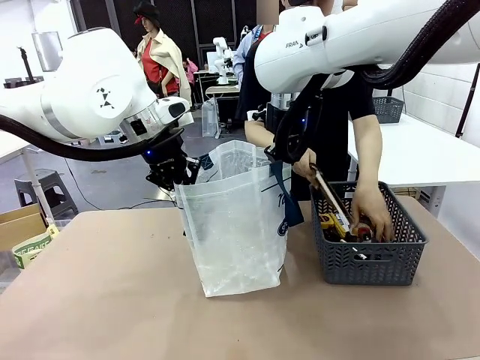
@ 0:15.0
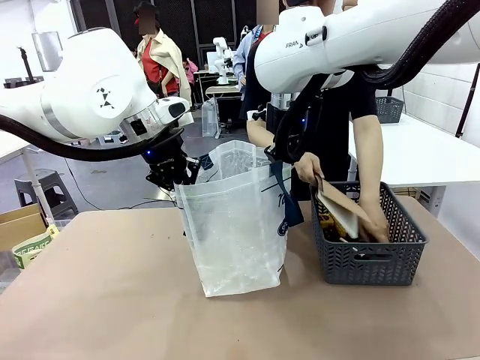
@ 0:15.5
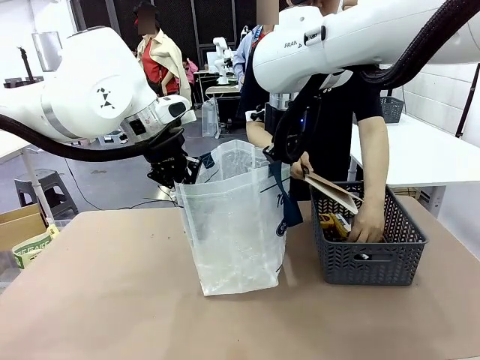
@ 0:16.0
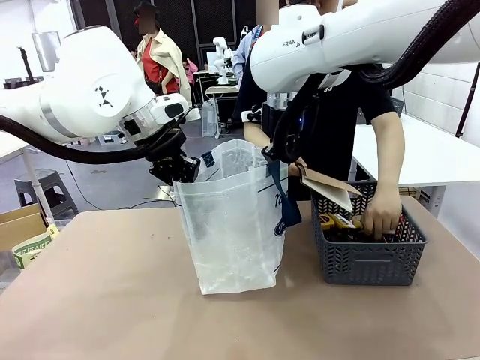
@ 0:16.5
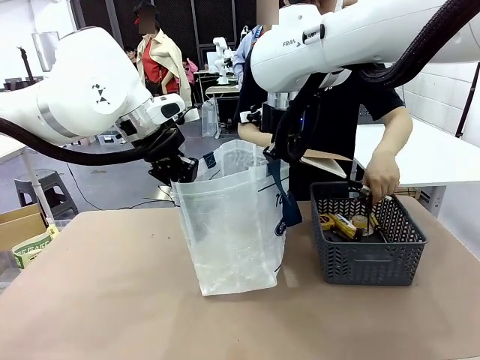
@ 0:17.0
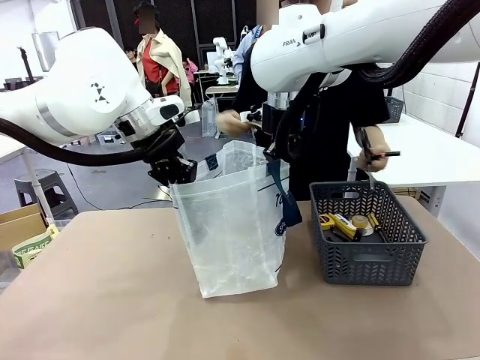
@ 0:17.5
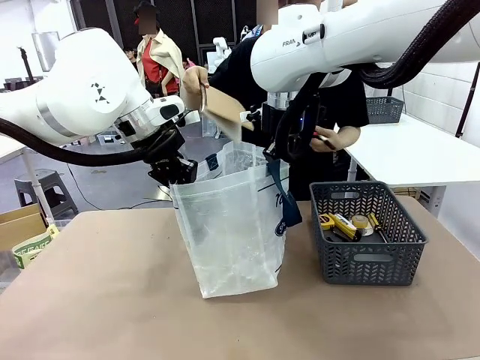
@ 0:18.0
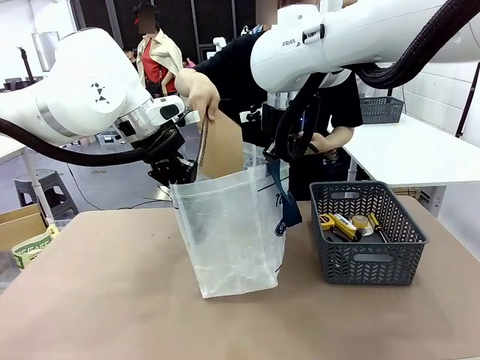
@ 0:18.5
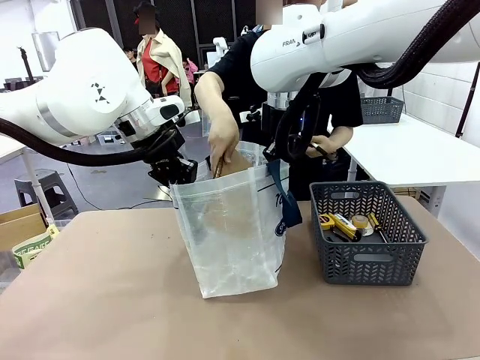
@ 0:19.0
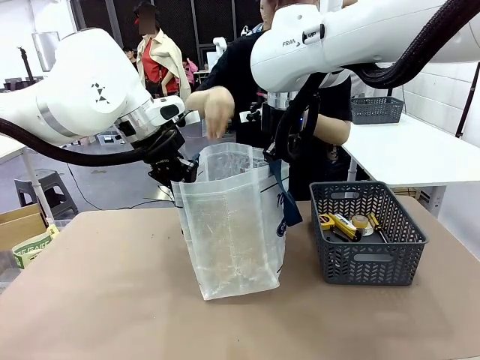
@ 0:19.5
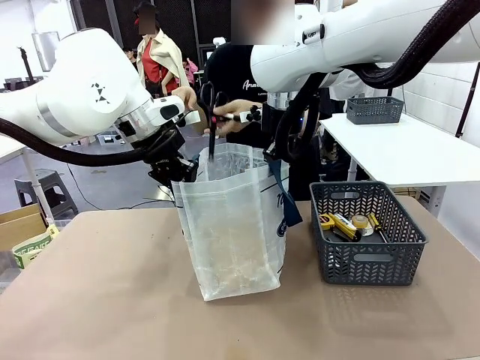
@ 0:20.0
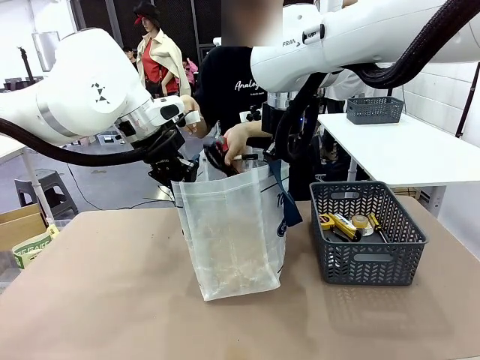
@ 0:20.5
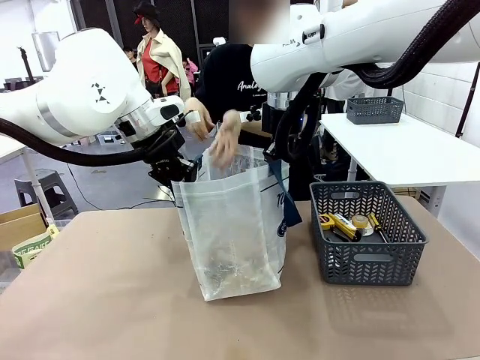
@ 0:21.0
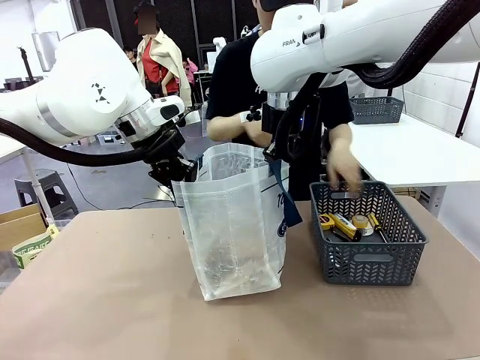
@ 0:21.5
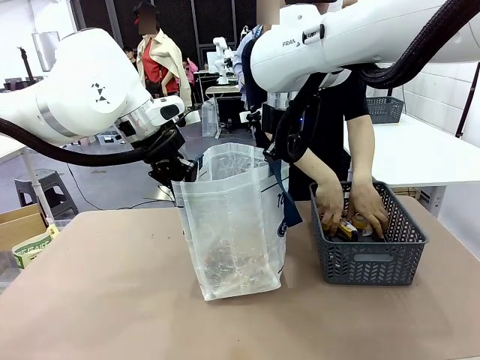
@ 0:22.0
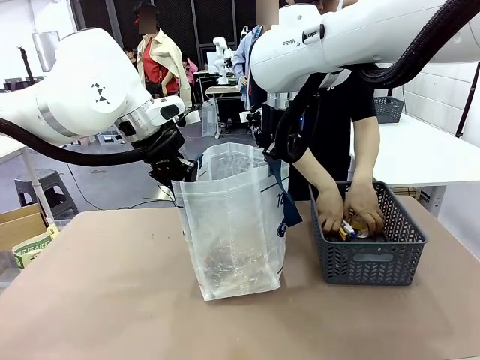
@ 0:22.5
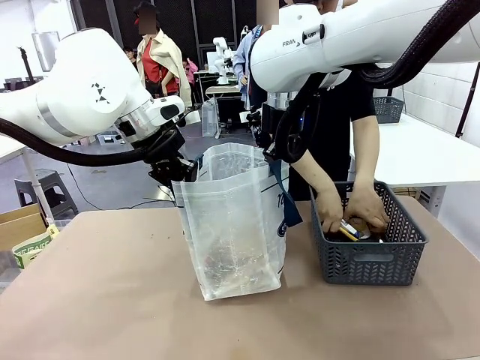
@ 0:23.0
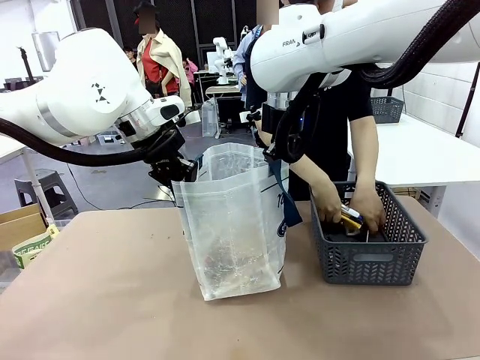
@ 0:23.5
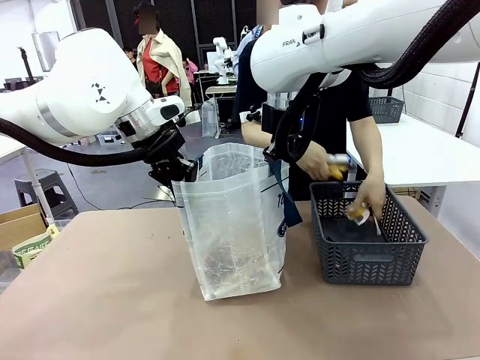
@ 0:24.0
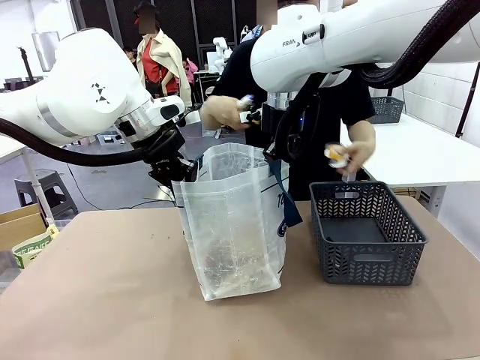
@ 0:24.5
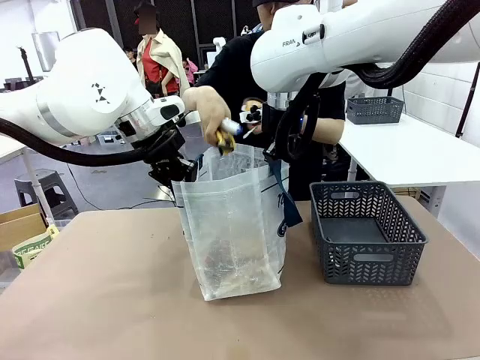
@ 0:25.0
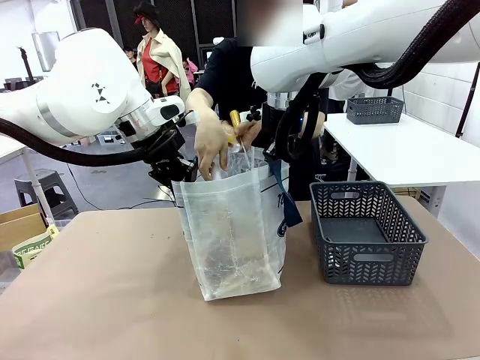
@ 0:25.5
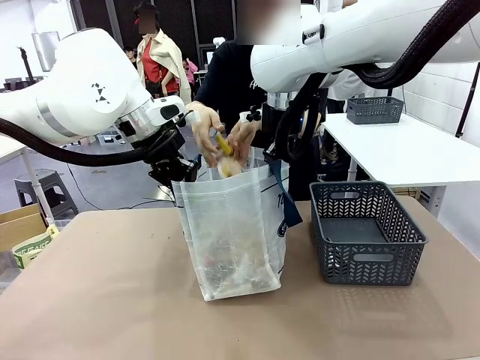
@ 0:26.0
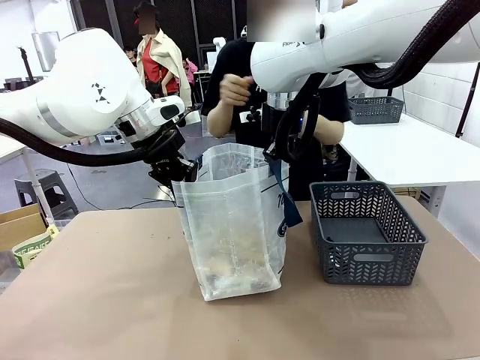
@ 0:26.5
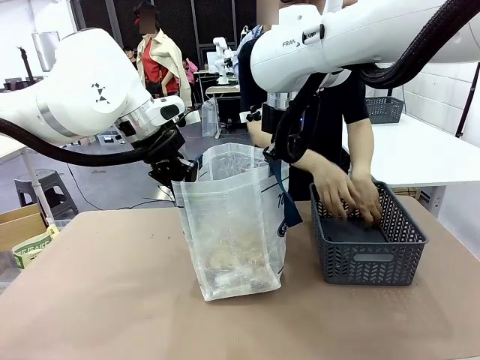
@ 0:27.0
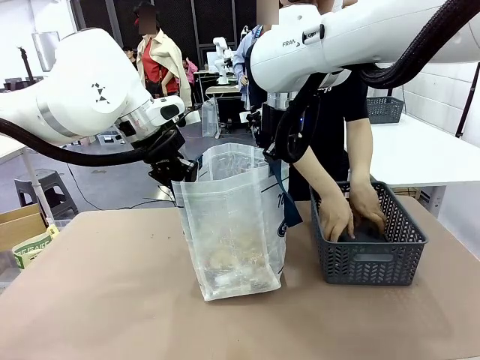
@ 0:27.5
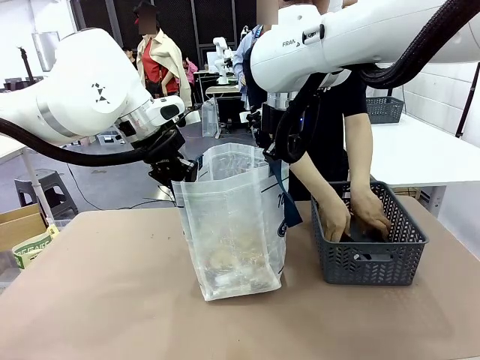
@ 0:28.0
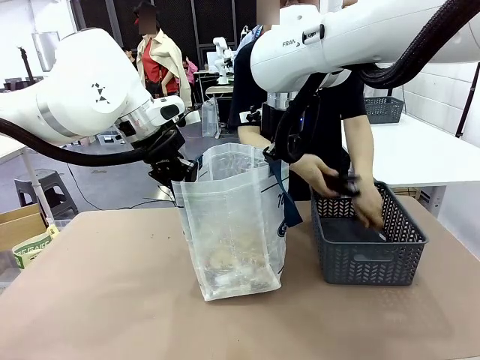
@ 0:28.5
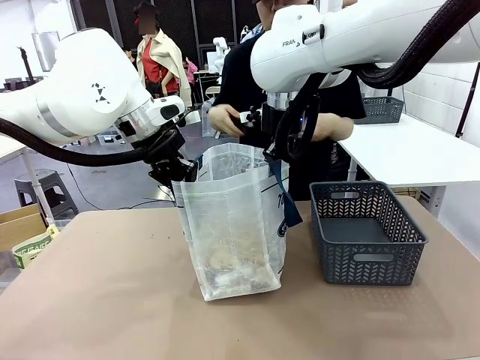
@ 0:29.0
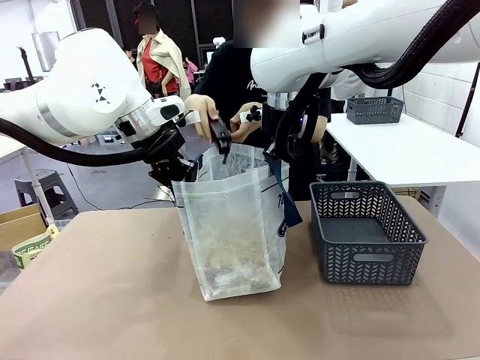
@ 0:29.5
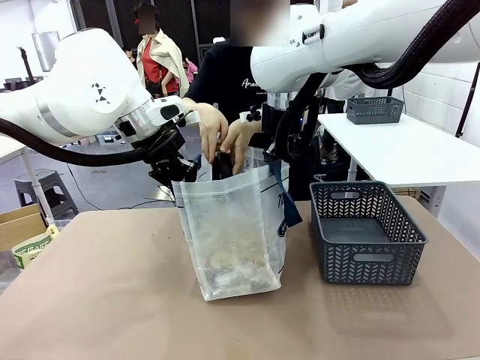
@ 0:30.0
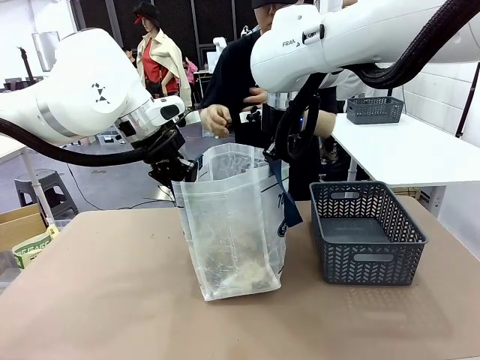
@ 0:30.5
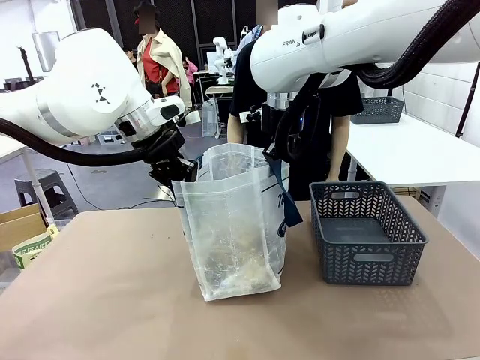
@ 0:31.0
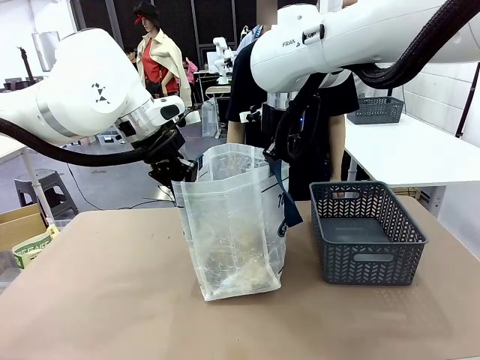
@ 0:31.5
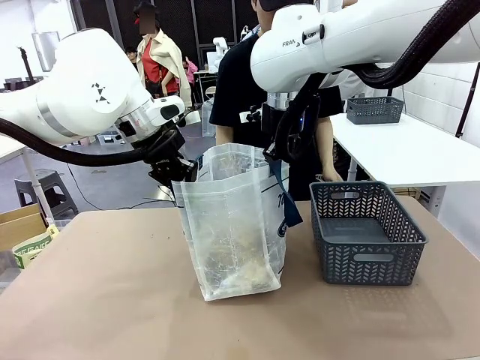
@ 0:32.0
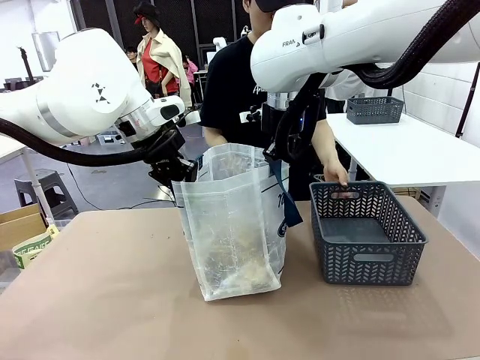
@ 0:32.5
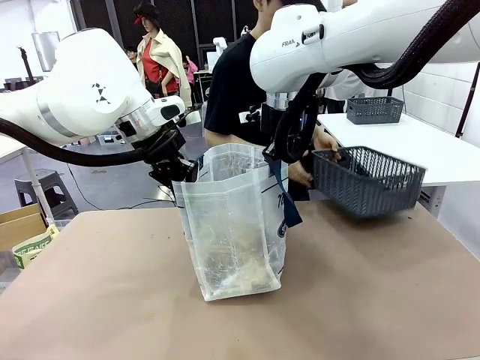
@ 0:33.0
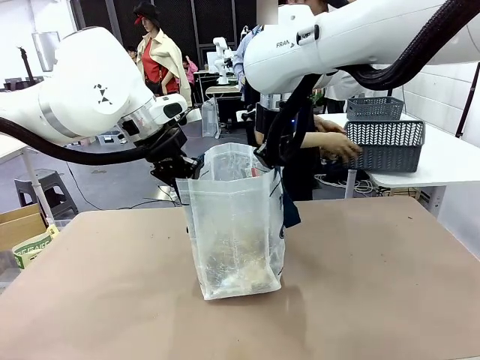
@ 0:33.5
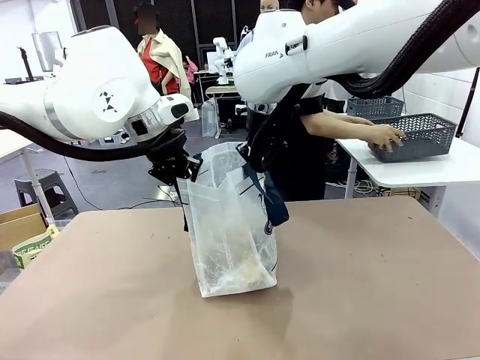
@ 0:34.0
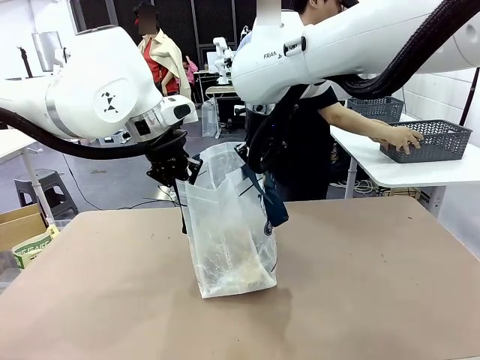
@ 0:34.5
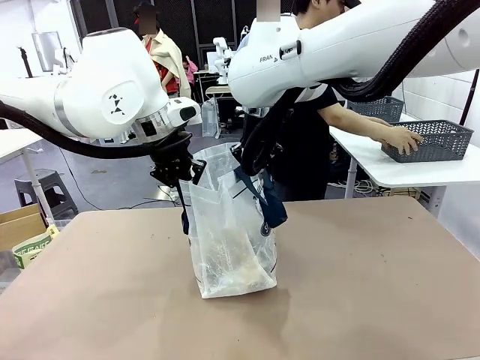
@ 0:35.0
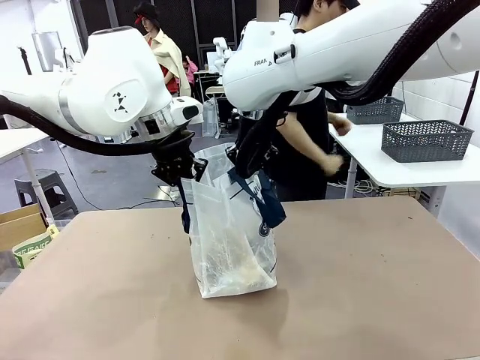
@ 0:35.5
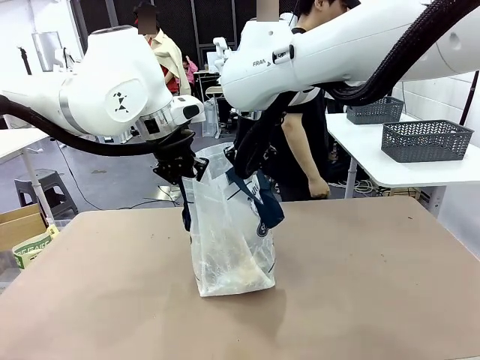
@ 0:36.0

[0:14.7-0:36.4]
Task: Transfer purchased items from the store into the shopping bag.
Robot: Move the Reusable shopping bag to the right side of the table.
Person: Pick up the basket on the right, place it on the left side of the robot table, and move the items in the basket to the shopping bag. Pick up the basket with the items out and place it on the right side of the human table.

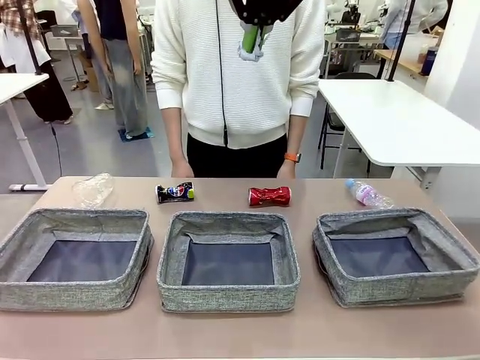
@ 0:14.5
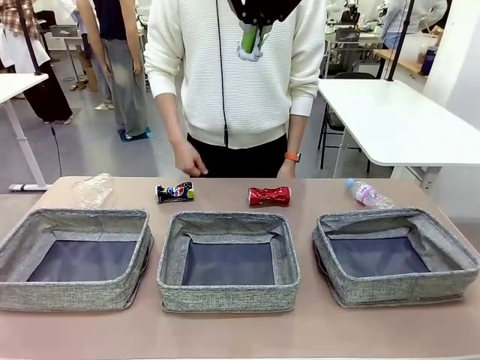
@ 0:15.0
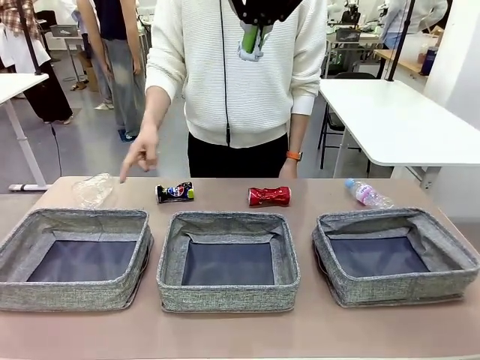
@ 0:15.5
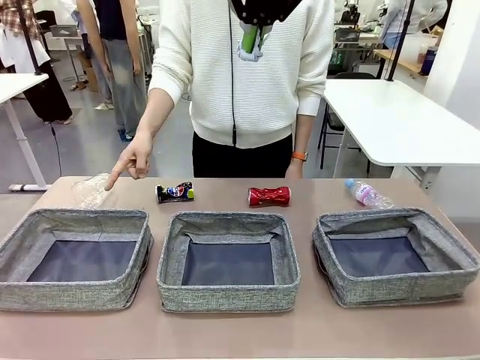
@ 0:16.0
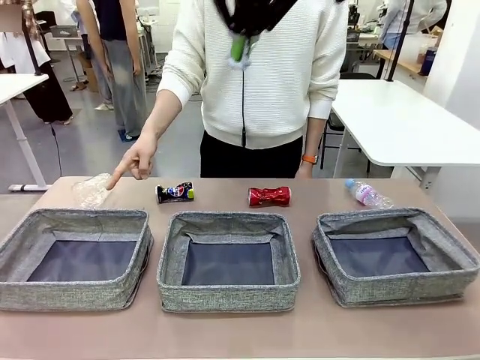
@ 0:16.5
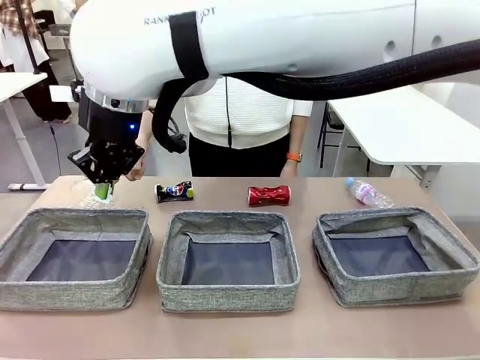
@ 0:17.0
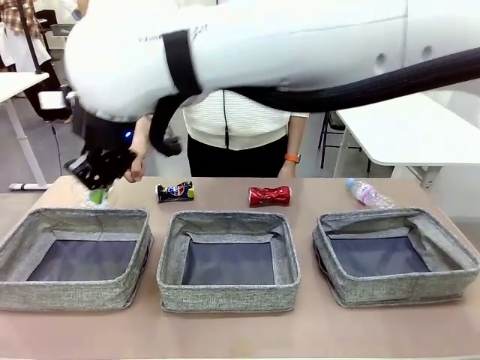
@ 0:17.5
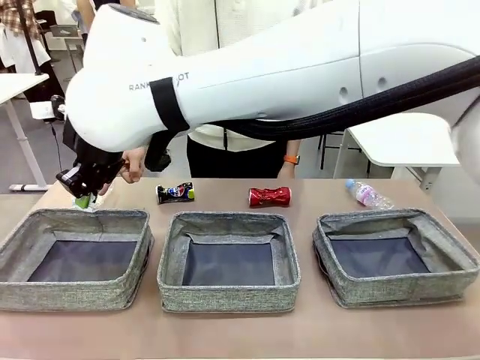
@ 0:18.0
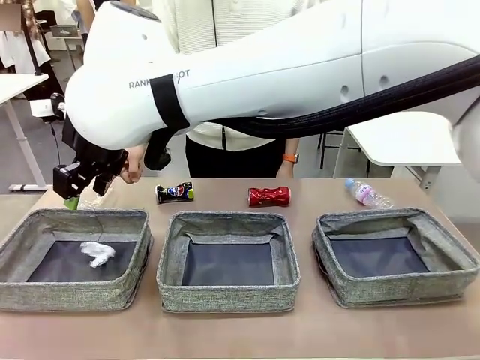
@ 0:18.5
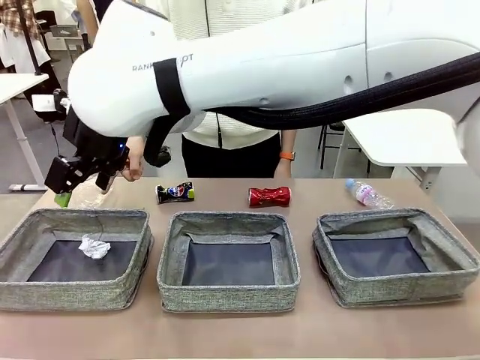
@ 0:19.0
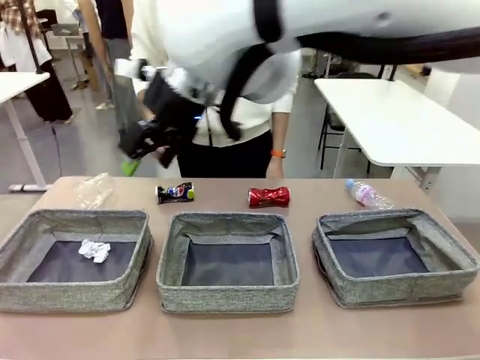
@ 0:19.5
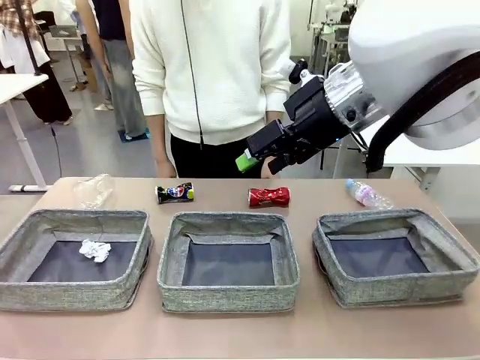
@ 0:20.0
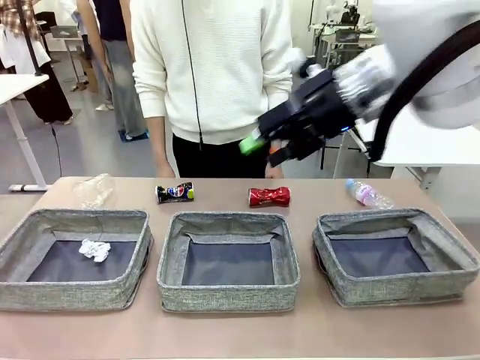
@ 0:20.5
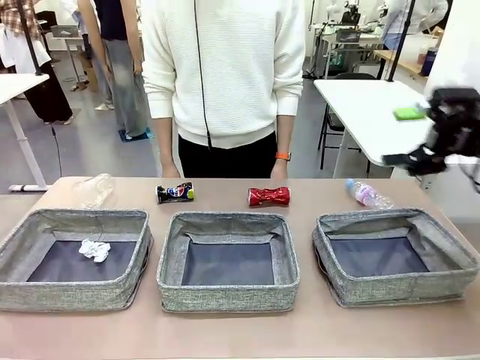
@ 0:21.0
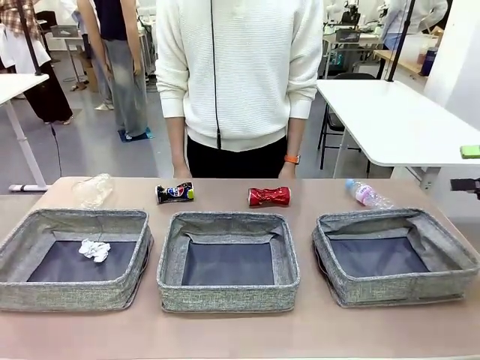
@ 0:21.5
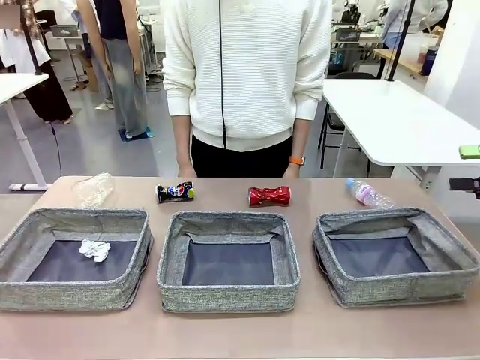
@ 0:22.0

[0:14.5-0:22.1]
Task: Sort the waste into the appropriate baskets.
Robot: Place the picked waste into the Fabric basket indicated by the person.
Person: Instructs the robot to place the picked-up trash into the appropriate organizing basket.
